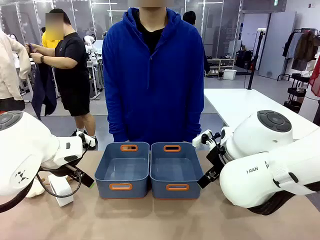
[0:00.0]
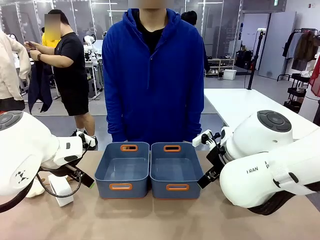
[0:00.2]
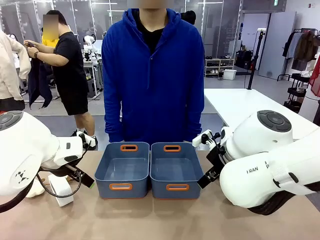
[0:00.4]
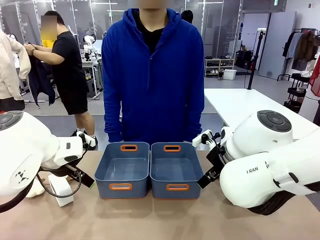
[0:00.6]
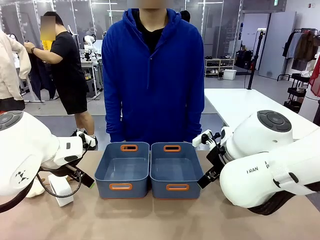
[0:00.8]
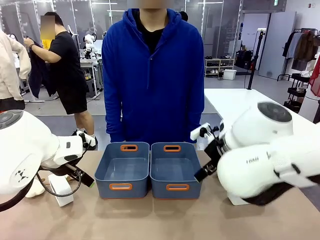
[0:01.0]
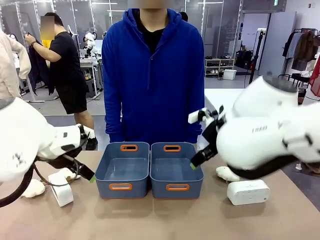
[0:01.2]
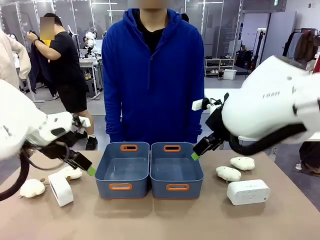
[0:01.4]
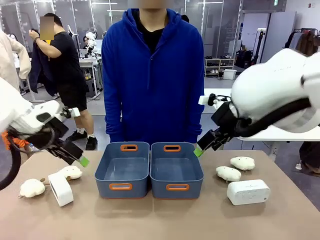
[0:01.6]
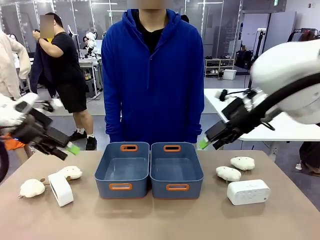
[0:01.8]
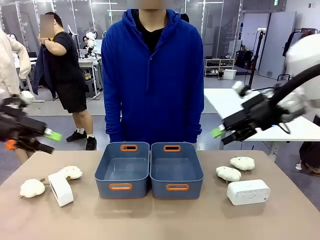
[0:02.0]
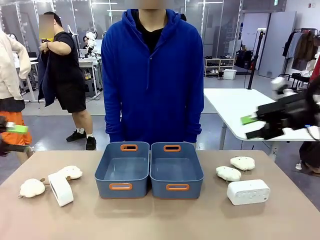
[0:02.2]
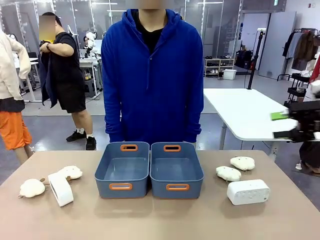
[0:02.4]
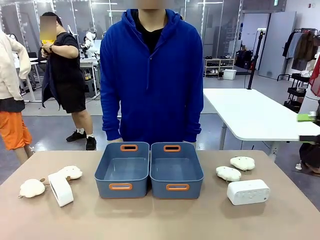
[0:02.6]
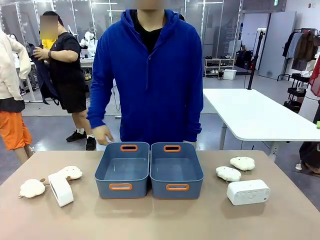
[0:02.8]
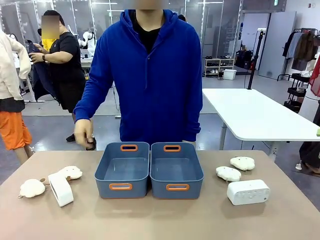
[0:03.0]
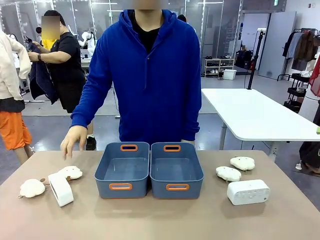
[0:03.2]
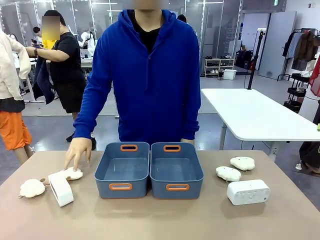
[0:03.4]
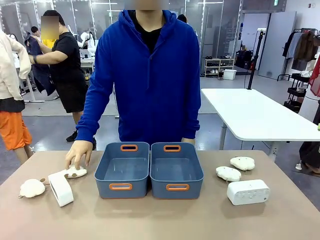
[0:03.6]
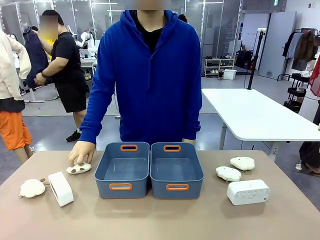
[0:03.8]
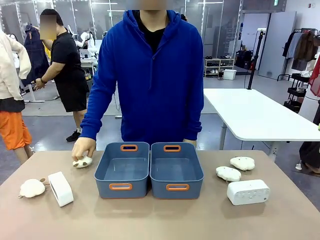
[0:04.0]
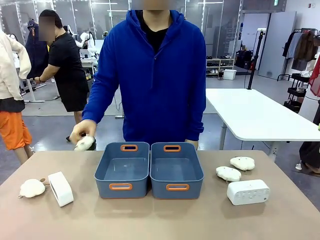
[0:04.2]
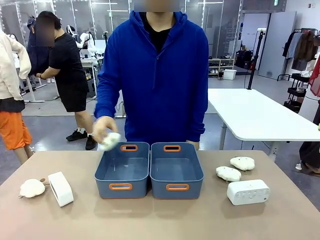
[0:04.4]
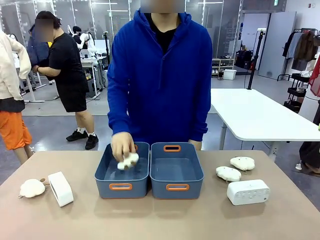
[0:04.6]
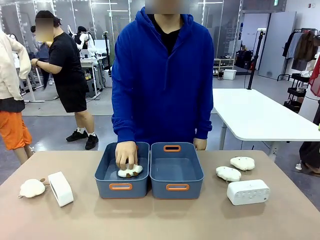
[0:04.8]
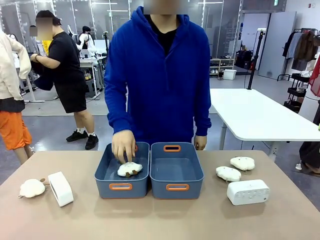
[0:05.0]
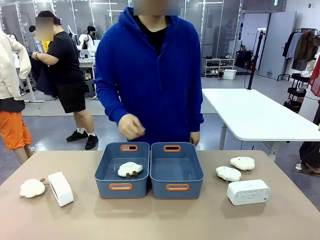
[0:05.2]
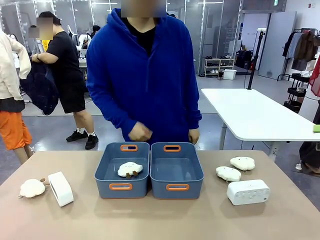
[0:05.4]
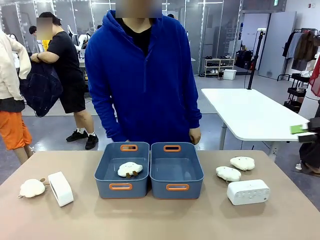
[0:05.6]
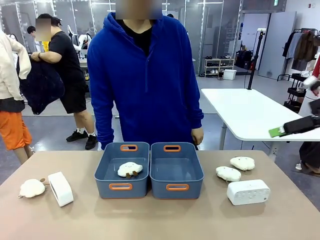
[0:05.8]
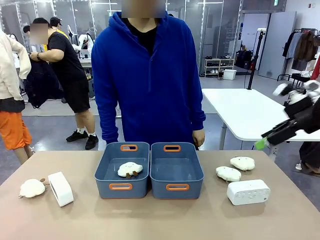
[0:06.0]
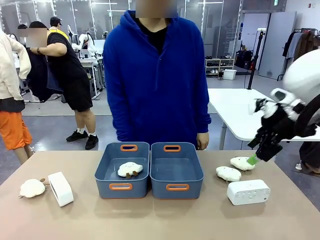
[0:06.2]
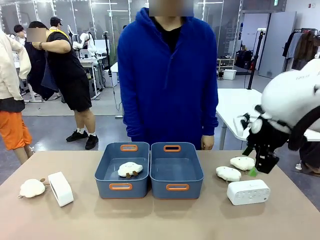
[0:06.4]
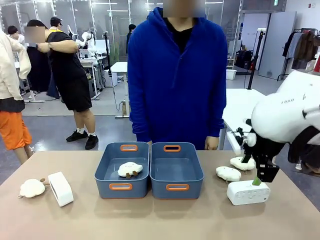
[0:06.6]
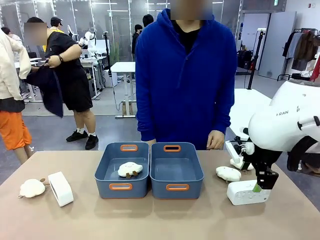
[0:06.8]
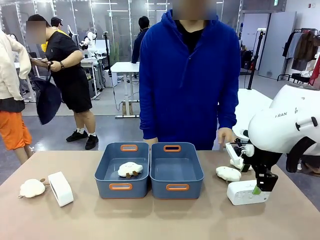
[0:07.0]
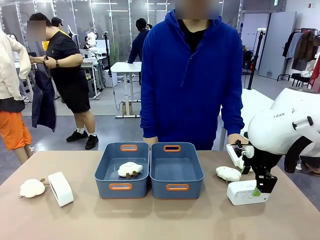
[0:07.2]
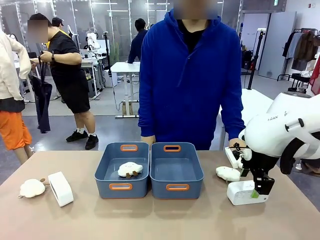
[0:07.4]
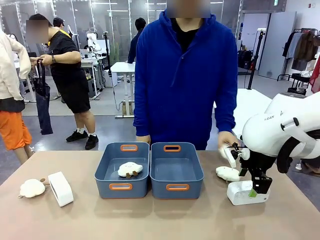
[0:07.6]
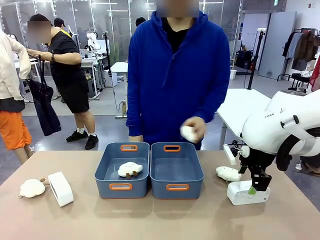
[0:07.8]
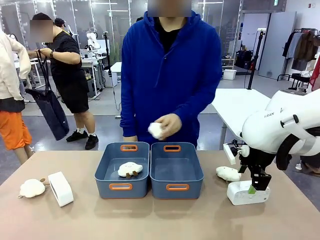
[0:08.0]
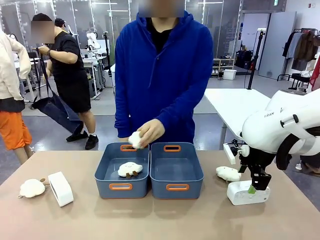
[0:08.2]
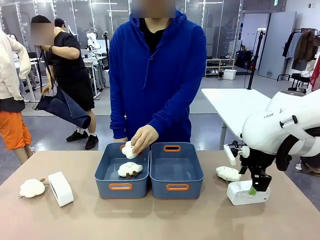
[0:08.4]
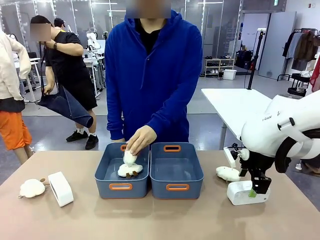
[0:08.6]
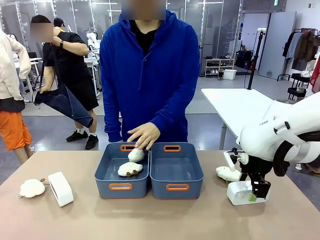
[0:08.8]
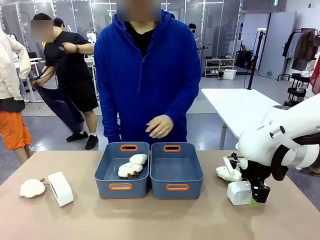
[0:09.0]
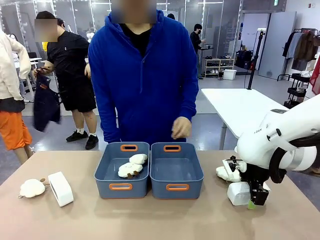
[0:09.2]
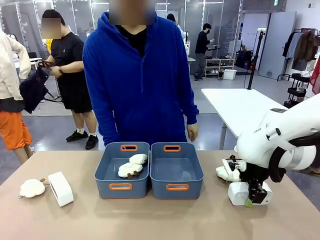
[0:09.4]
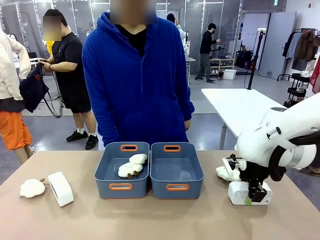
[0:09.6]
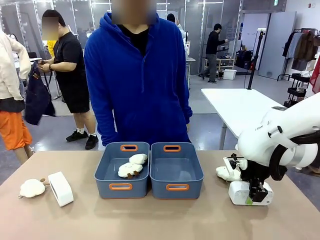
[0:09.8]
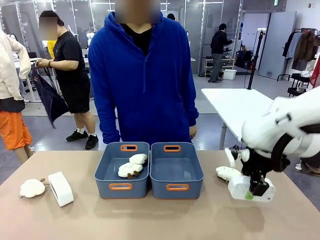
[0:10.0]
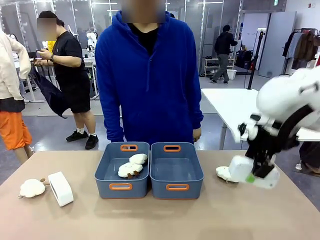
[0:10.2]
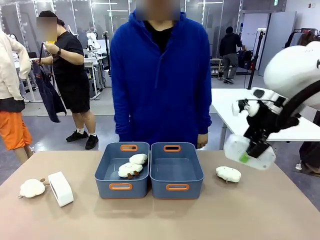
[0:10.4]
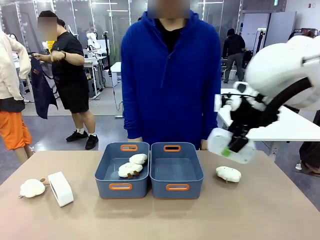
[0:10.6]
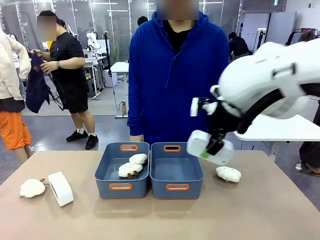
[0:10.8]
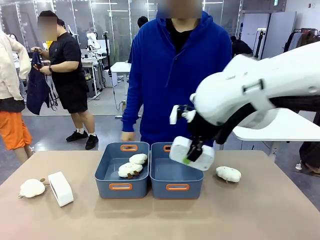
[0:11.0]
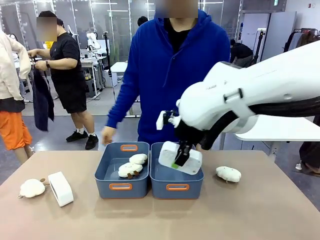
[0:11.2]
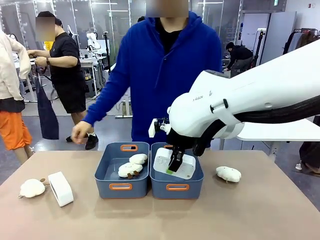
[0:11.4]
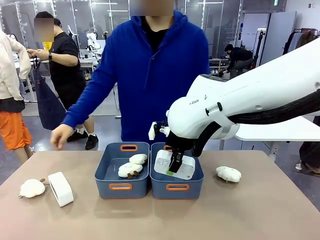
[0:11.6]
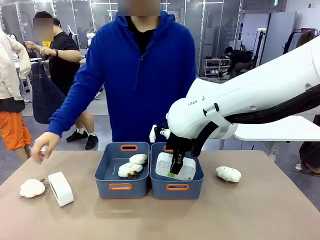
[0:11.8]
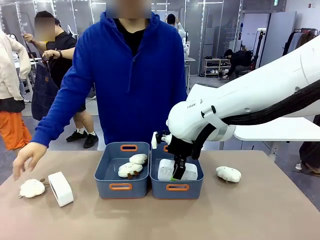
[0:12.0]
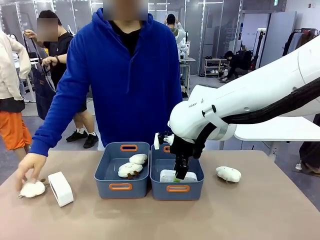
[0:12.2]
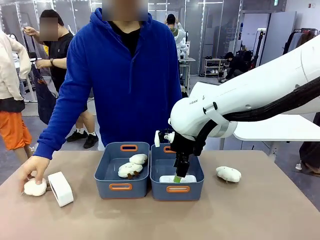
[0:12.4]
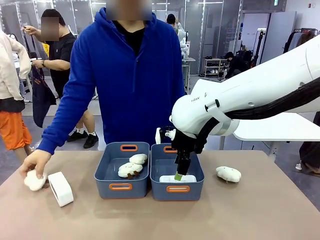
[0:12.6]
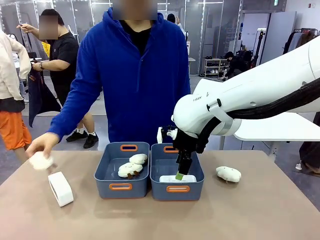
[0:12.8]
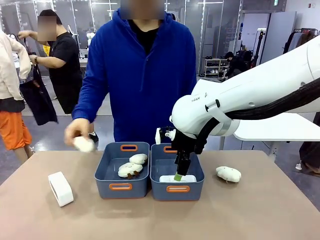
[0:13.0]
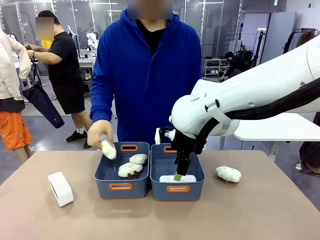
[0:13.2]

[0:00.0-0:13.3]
Task: Sort the digital clocks into the basket.
Robot: Pick up the Digital clock from the table and place it into the empty Plastic storage basket.
Person: Pick up a plush toy from the table and place it in a plastic storage basket.
